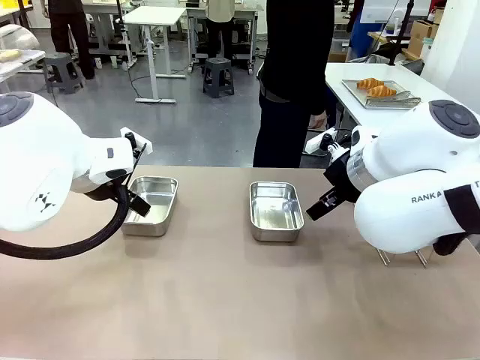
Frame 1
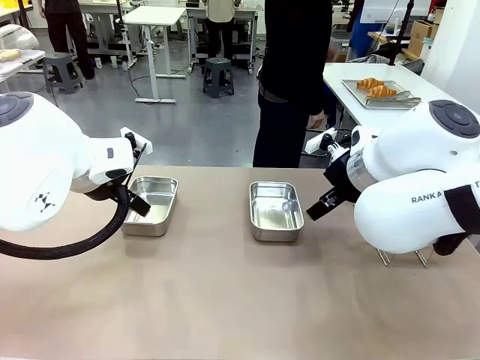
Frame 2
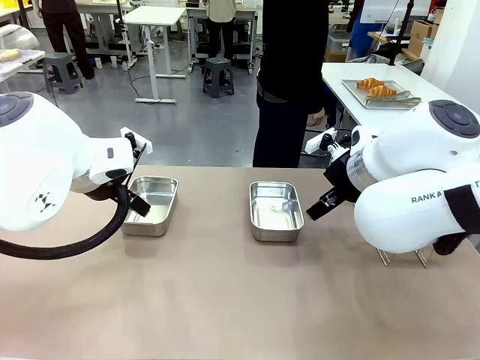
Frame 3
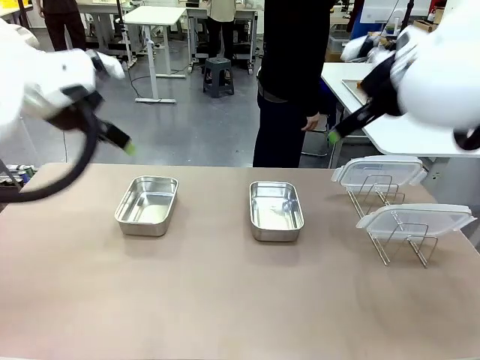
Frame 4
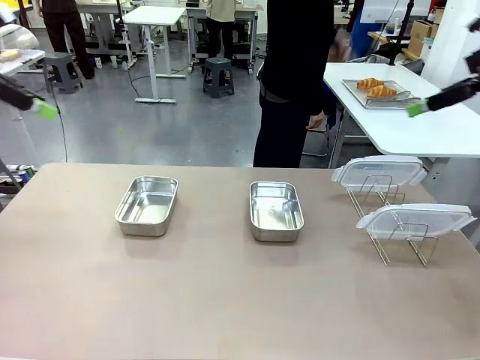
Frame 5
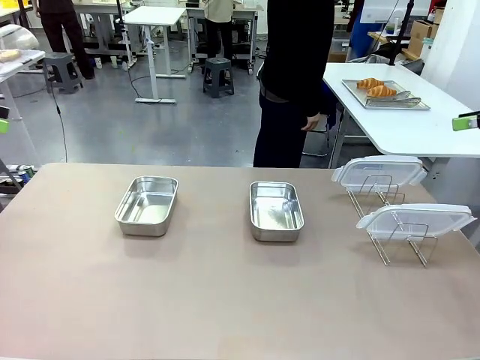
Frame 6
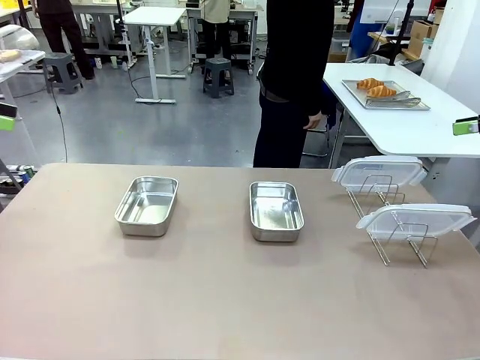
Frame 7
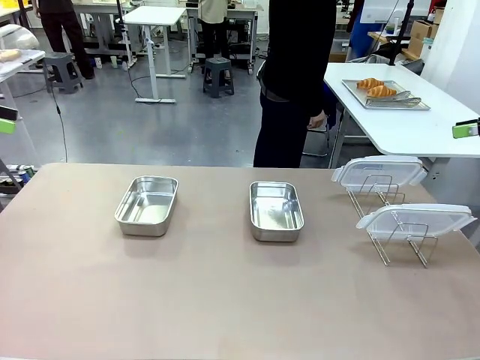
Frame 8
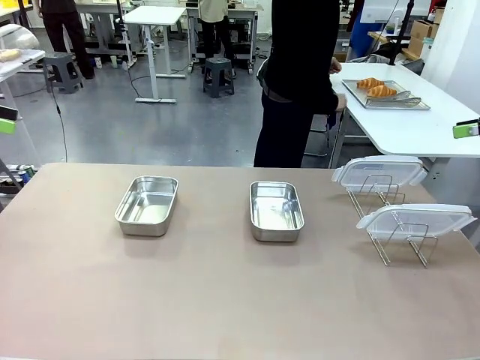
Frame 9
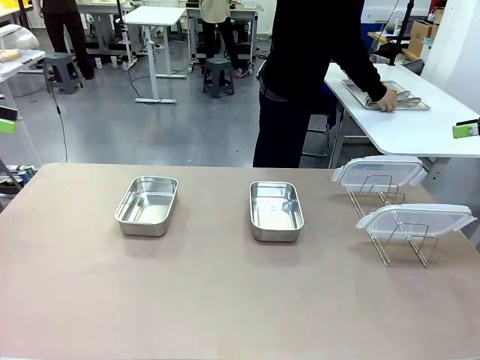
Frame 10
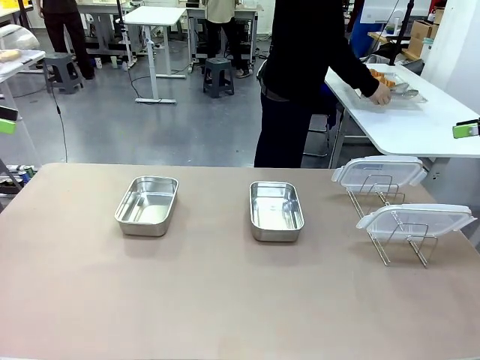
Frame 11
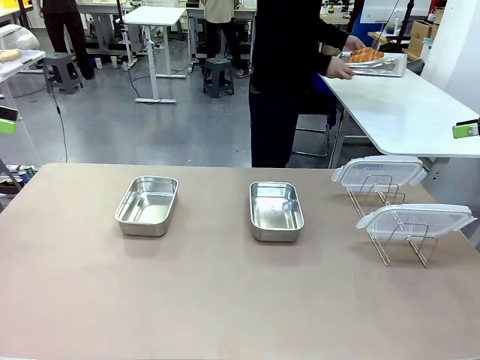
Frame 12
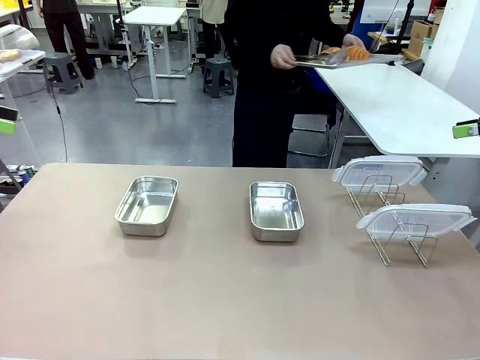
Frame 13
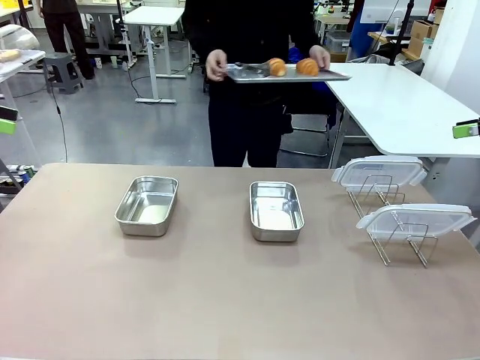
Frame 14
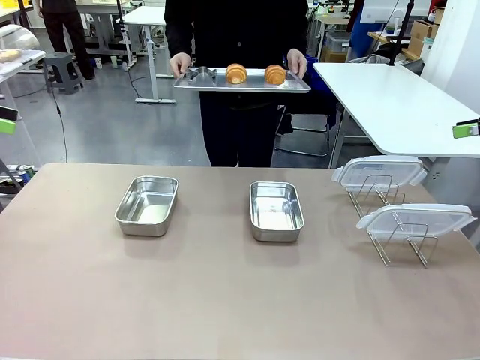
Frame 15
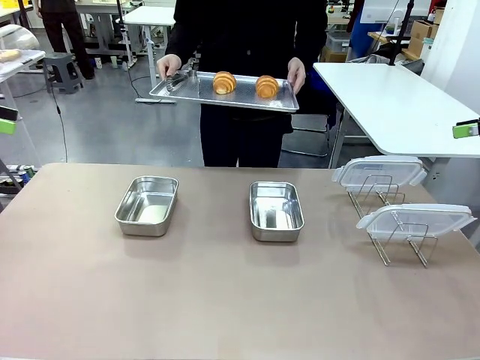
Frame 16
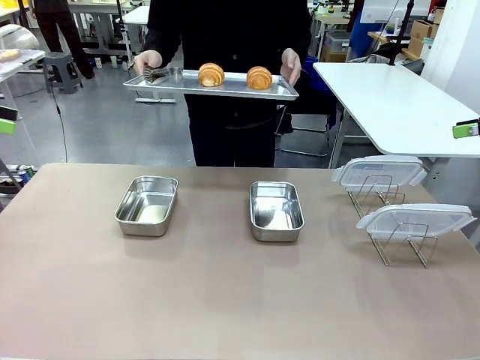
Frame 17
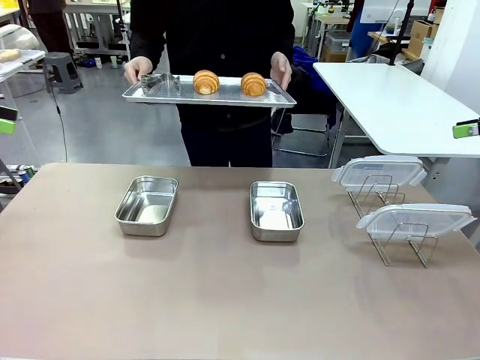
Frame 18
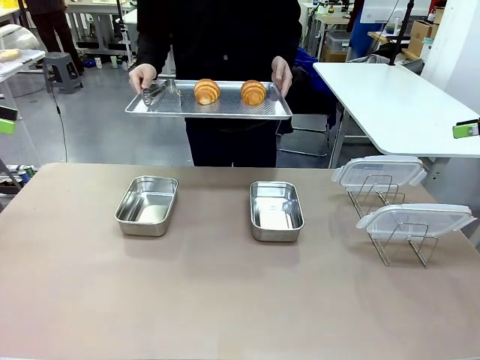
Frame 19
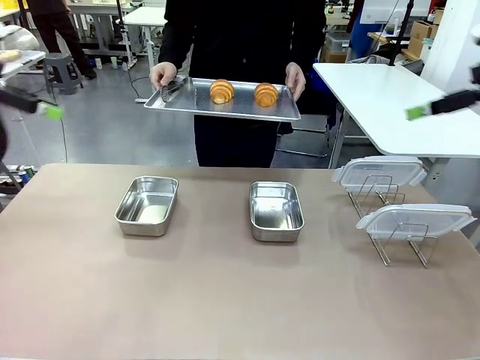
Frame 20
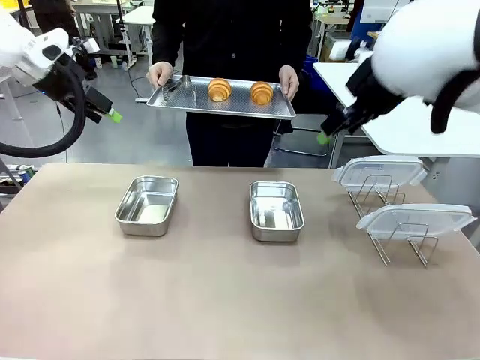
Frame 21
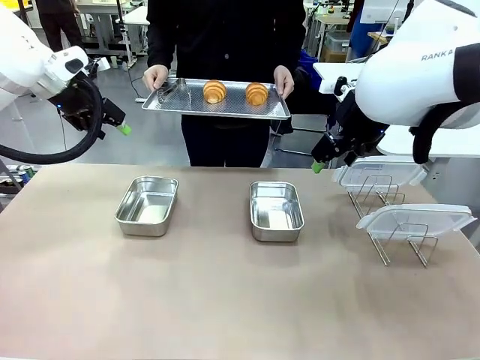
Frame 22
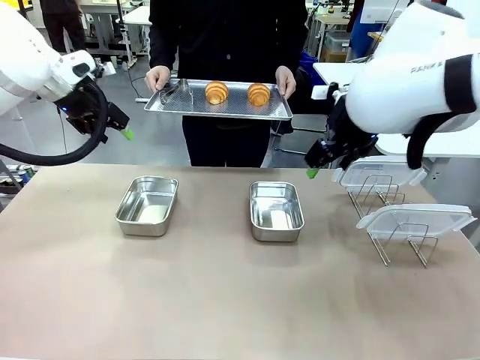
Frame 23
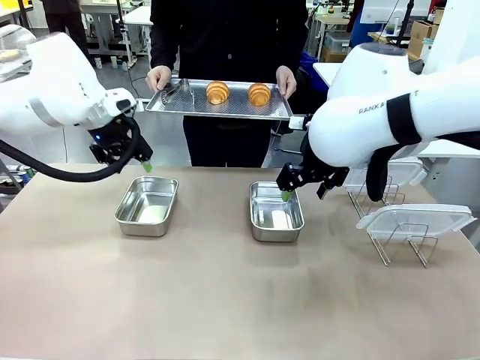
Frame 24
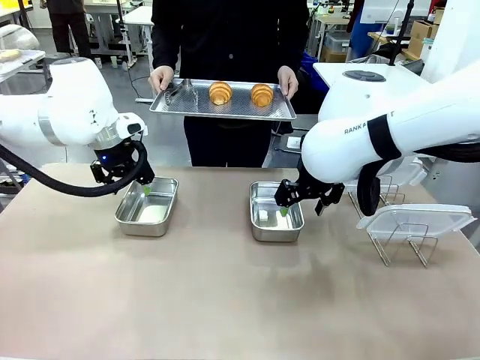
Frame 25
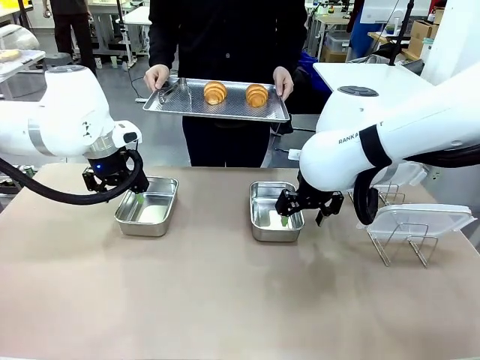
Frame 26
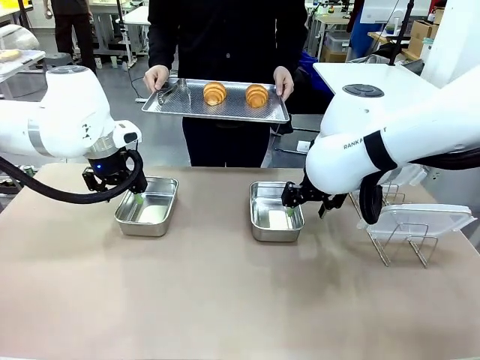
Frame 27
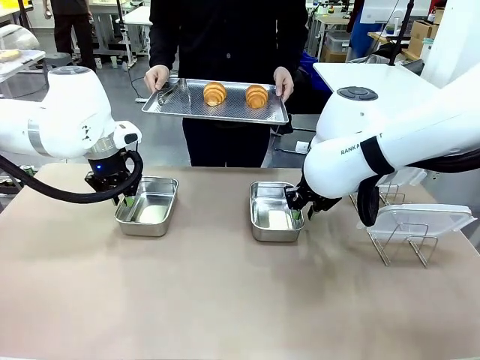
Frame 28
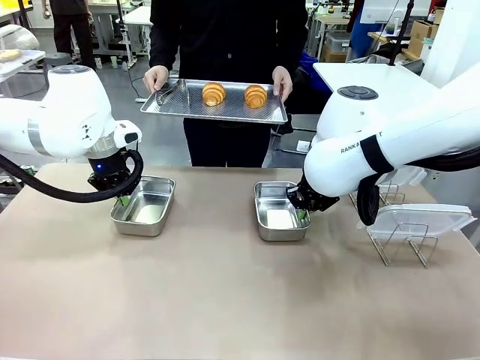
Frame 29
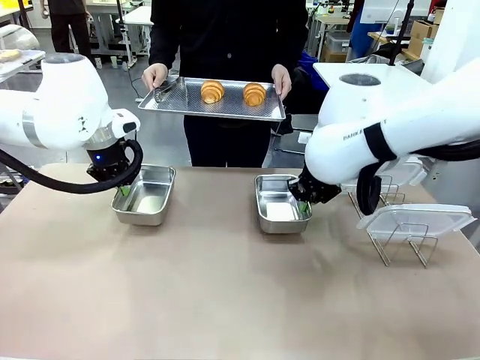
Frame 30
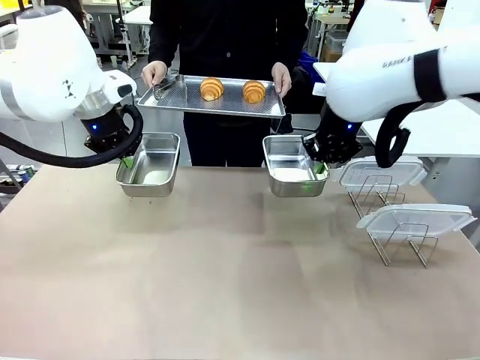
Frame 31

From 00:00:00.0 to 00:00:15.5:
Task: Place the bread in airtight containers.
Robot: Lift both Airtight Container.
Person: Bring the Baking Sheet in front of Robot's Table.

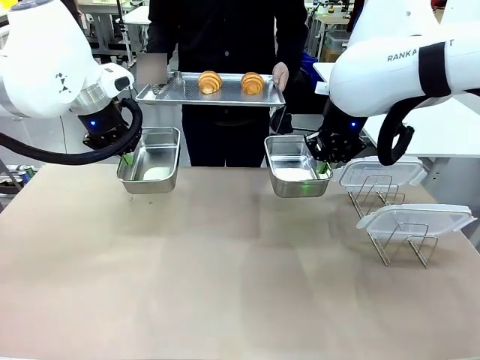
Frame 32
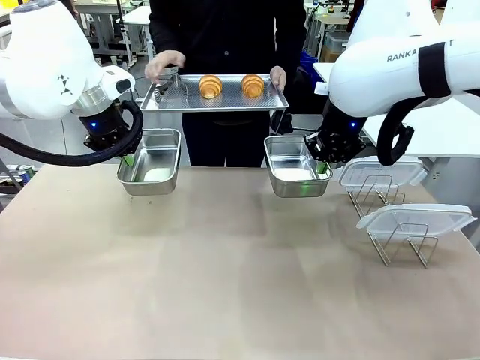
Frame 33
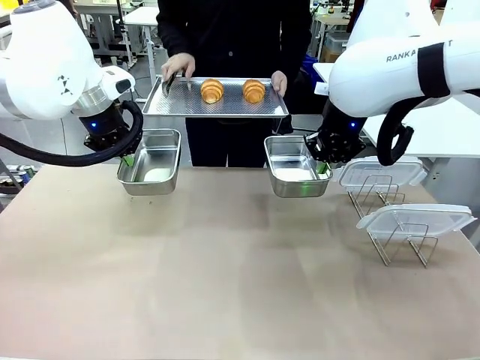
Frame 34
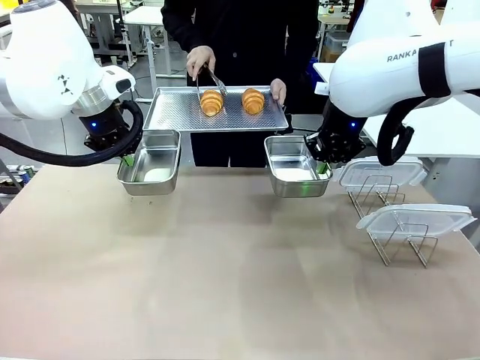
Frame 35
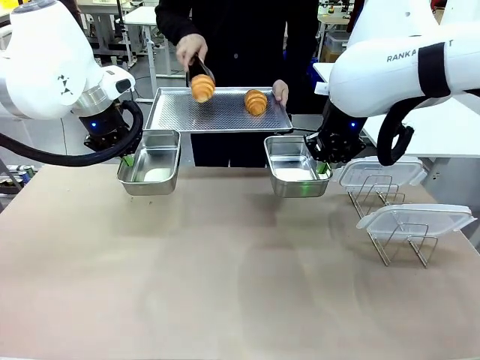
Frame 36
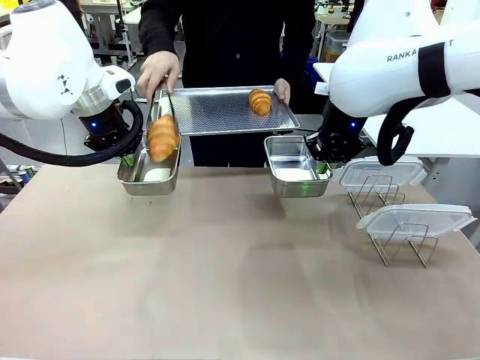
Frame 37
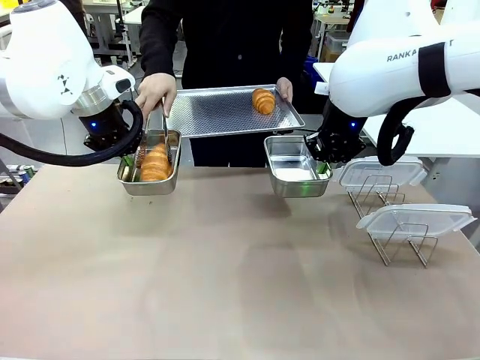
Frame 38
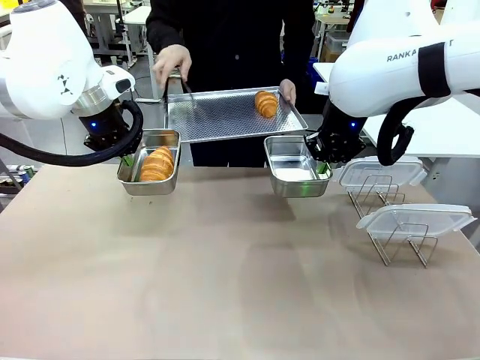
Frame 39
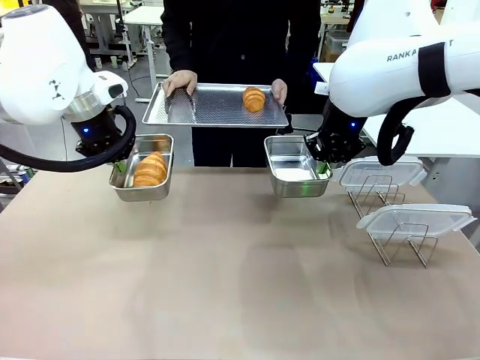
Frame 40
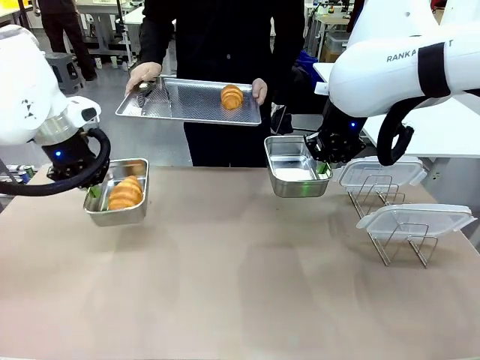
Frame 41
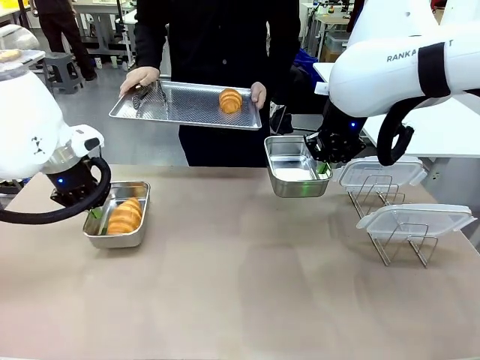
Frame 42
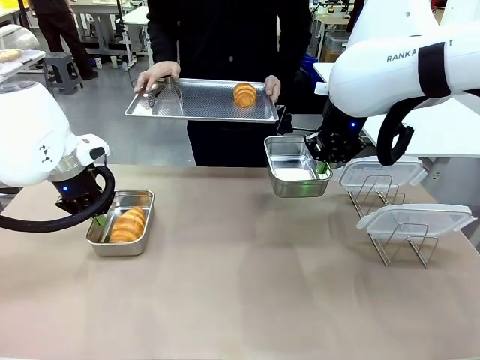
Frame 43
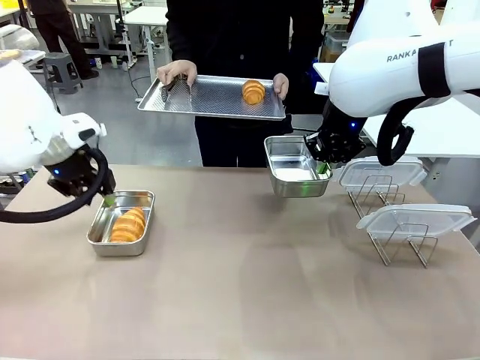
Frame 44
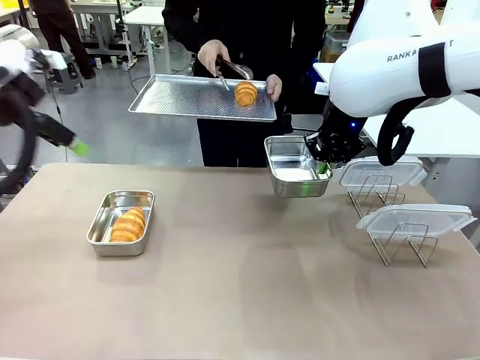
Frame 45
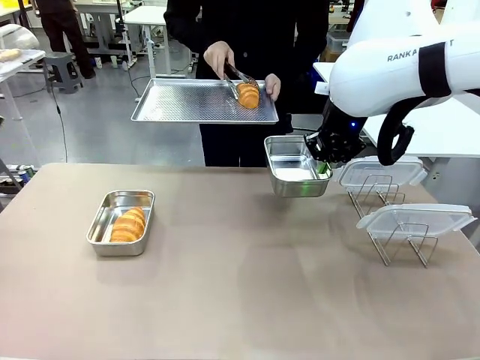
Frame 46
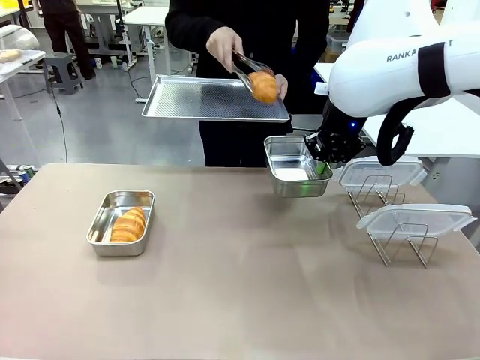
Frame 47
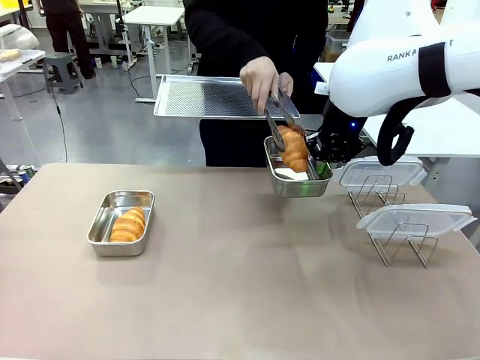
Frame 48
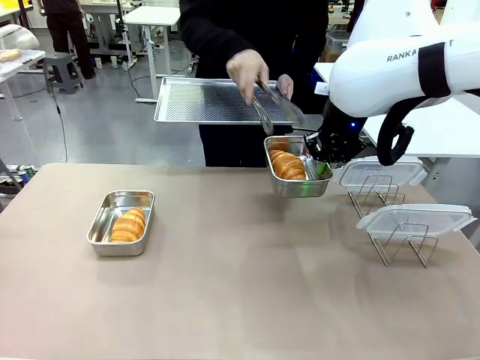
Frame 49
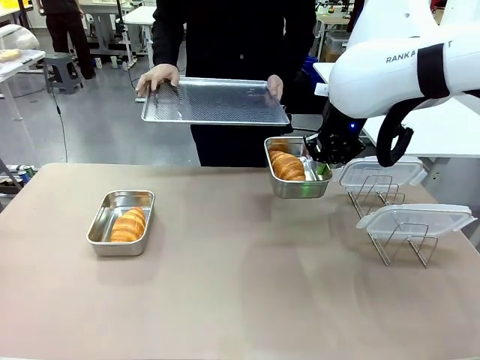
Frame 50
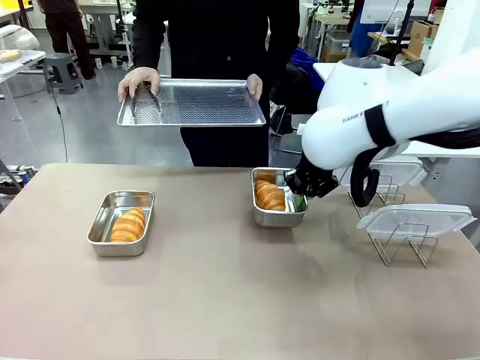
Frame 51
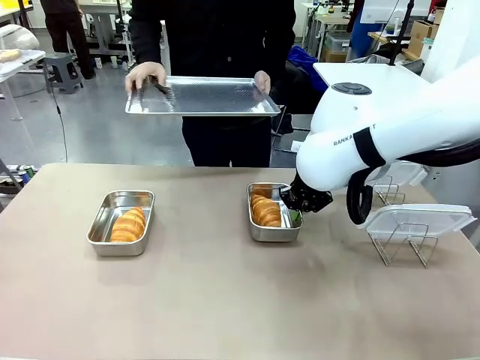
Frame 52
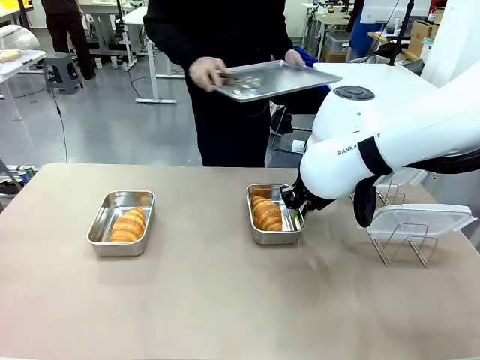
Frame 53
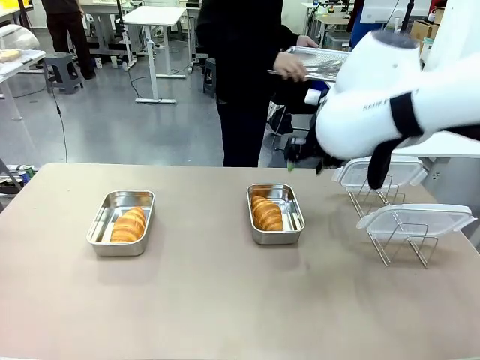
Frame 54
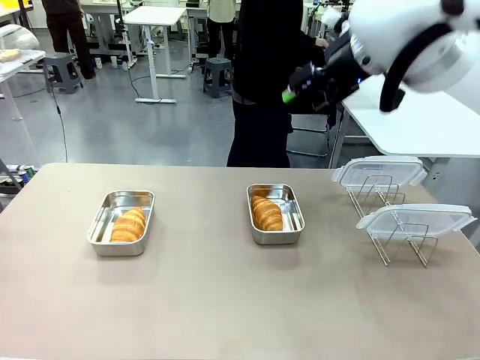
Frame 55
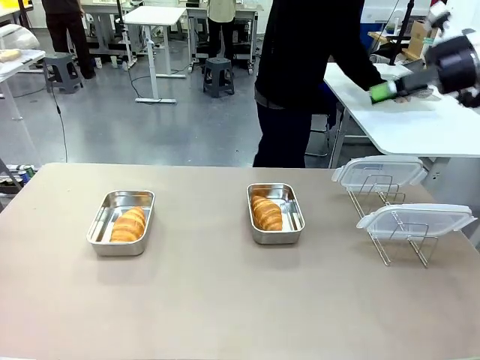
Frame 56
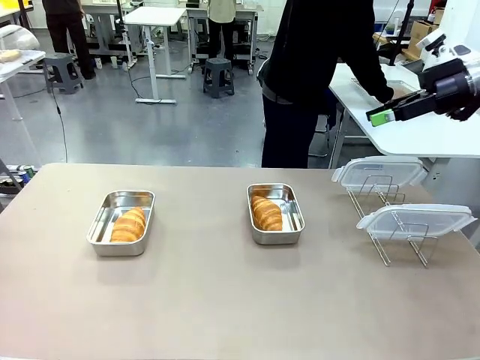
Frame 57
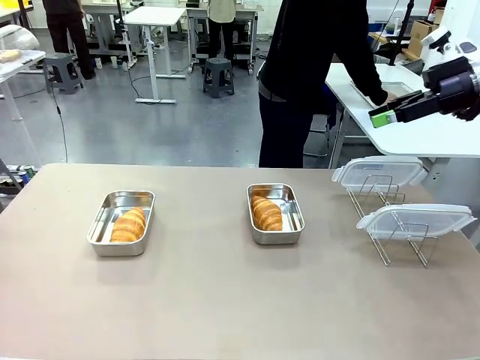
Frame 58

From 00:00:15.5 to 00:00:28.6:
Robot: Once an object is inside an Airtight Container , place the container in the center of the table.
Person: Use the Stainless steel tongs to place one object from Baking Sheet into one Airtight Container. Place Baking Sheet on the Human's Table.
